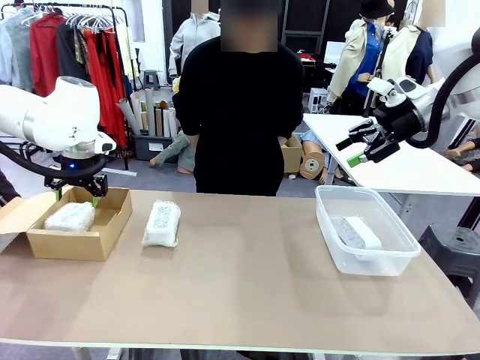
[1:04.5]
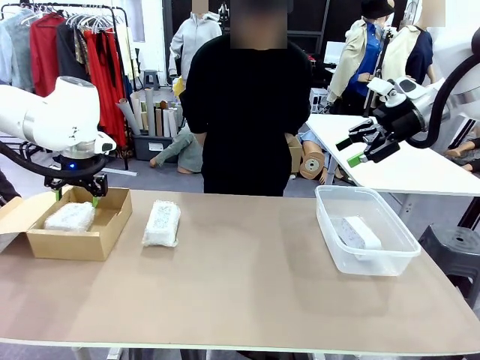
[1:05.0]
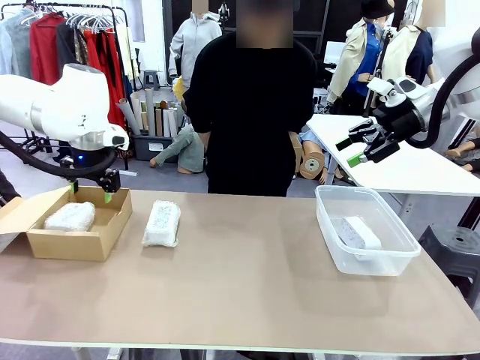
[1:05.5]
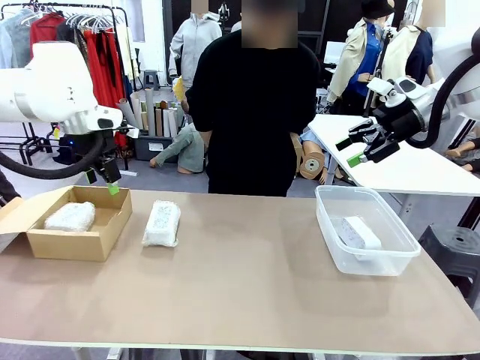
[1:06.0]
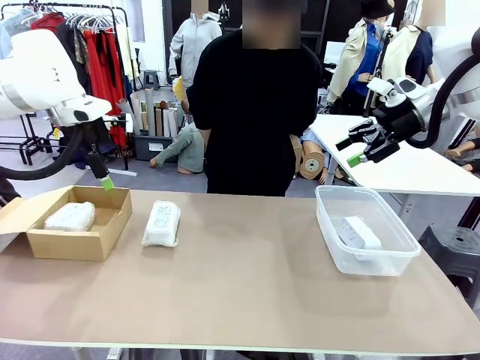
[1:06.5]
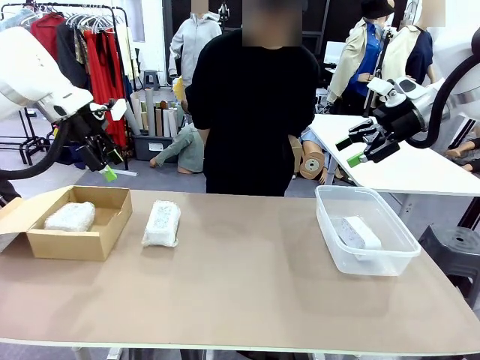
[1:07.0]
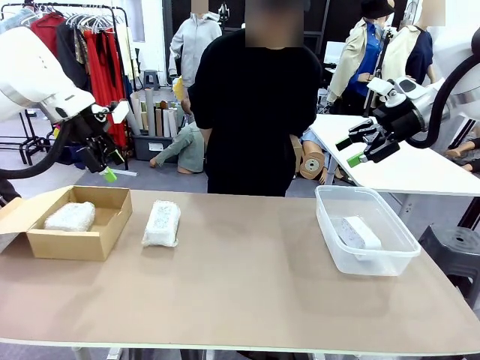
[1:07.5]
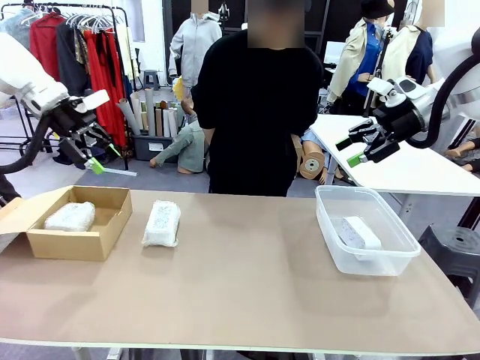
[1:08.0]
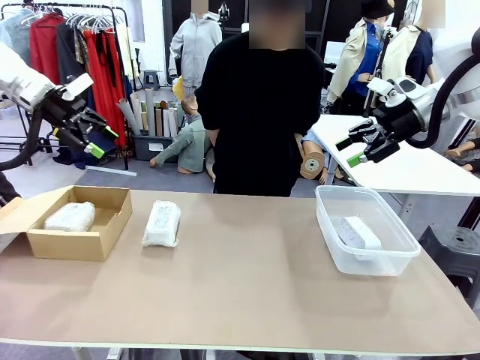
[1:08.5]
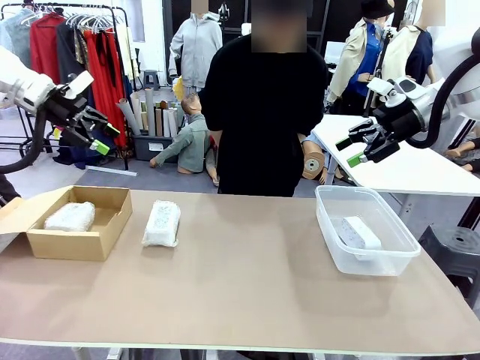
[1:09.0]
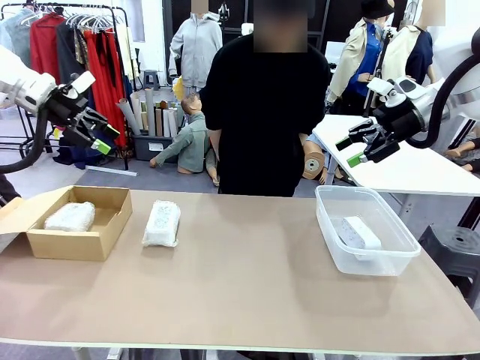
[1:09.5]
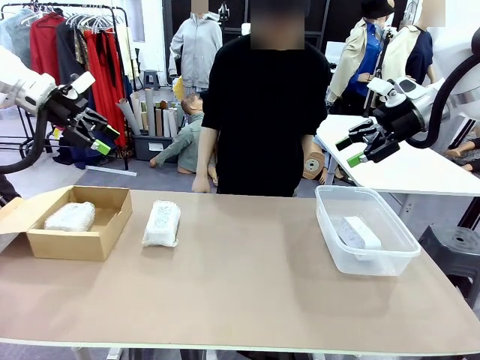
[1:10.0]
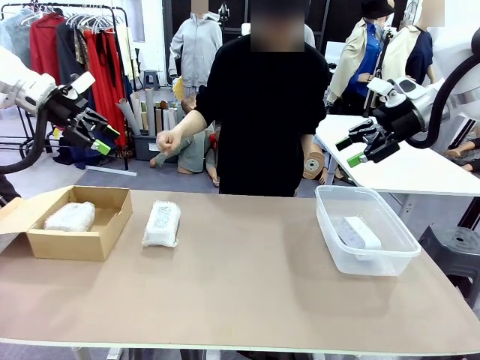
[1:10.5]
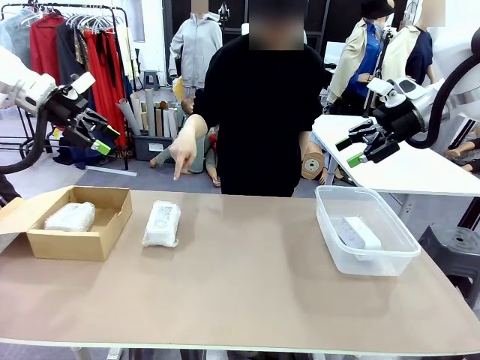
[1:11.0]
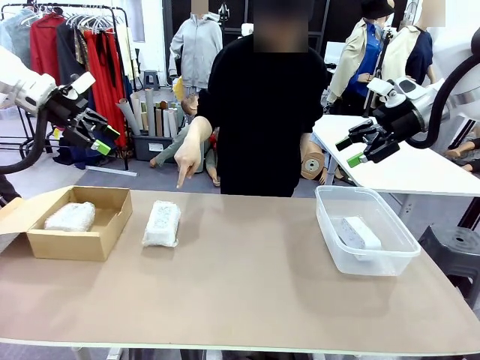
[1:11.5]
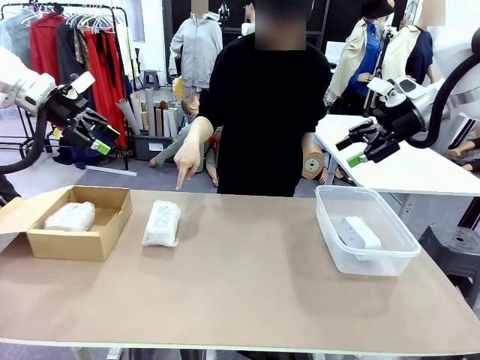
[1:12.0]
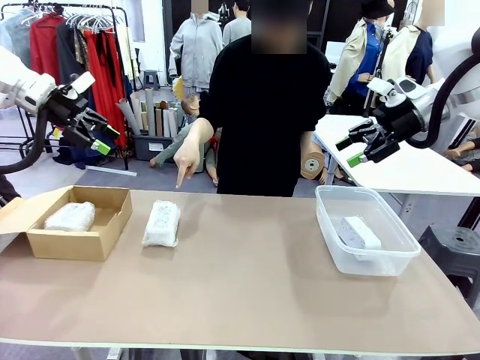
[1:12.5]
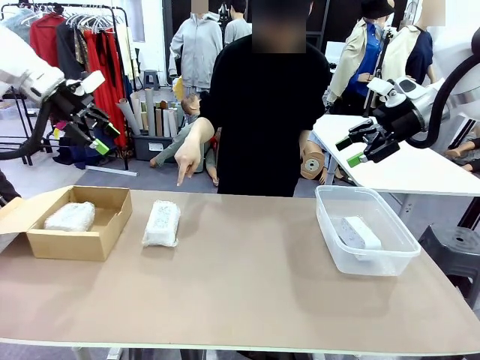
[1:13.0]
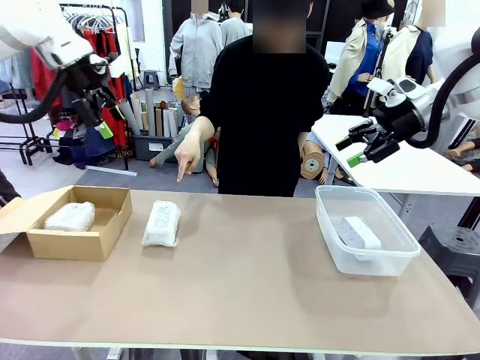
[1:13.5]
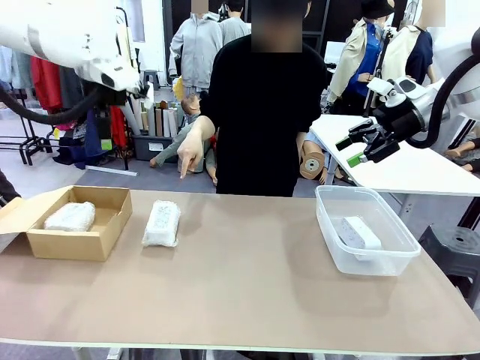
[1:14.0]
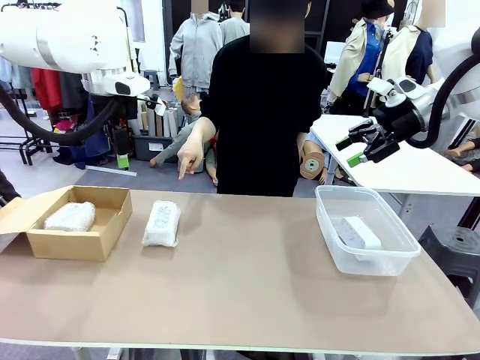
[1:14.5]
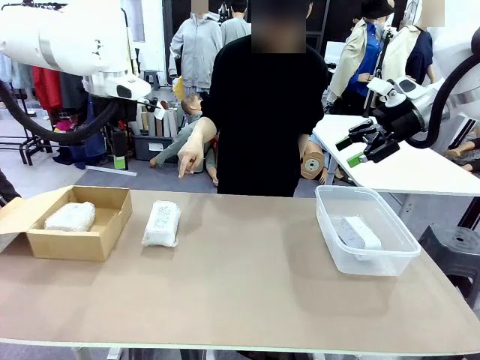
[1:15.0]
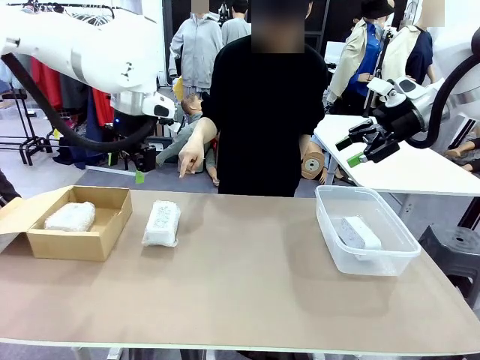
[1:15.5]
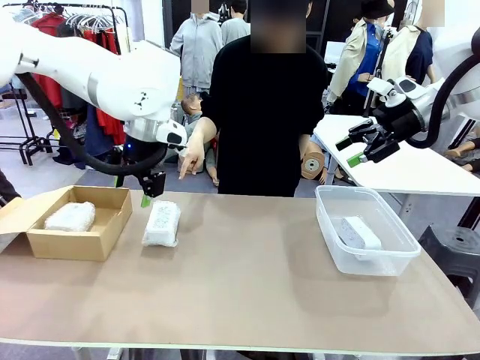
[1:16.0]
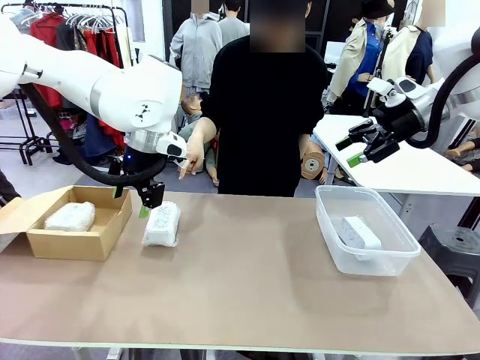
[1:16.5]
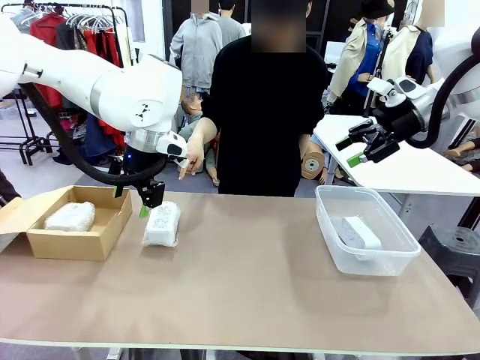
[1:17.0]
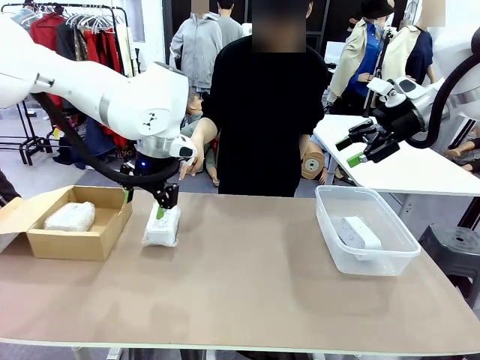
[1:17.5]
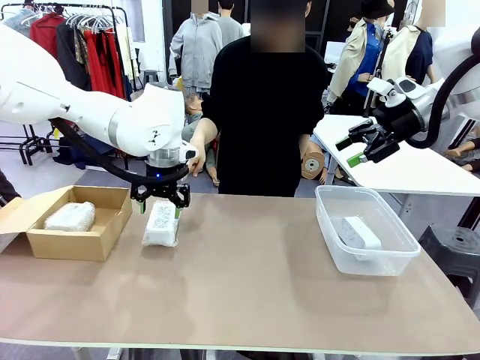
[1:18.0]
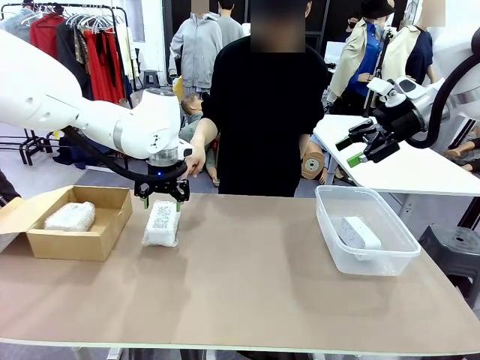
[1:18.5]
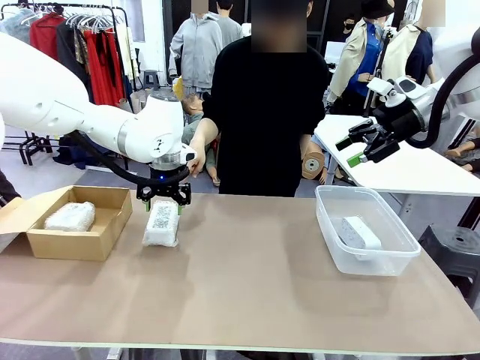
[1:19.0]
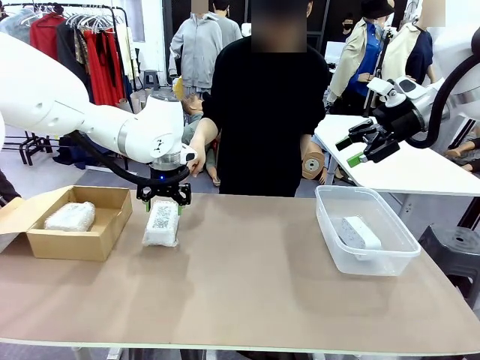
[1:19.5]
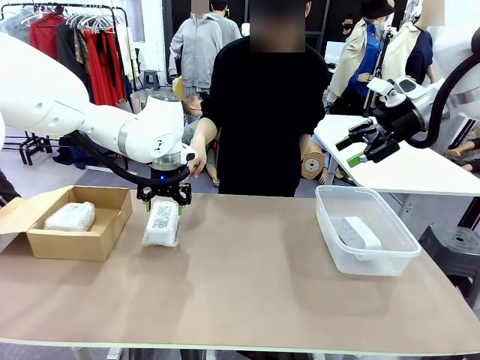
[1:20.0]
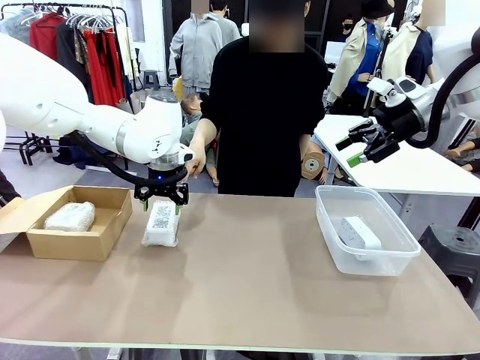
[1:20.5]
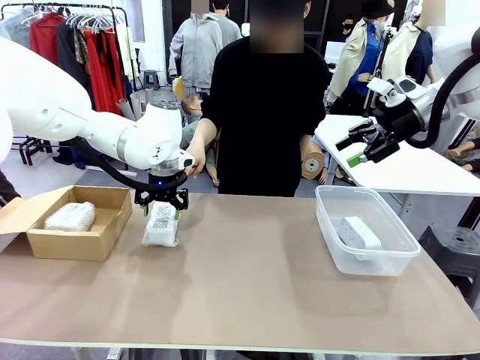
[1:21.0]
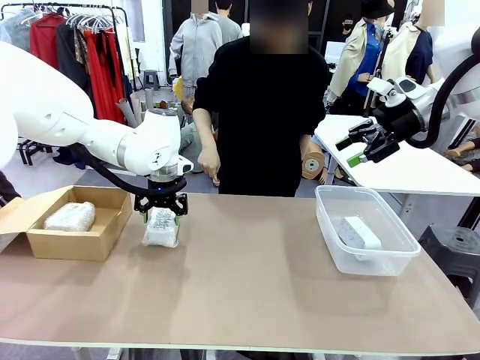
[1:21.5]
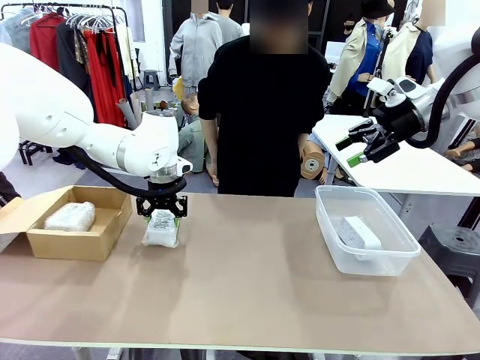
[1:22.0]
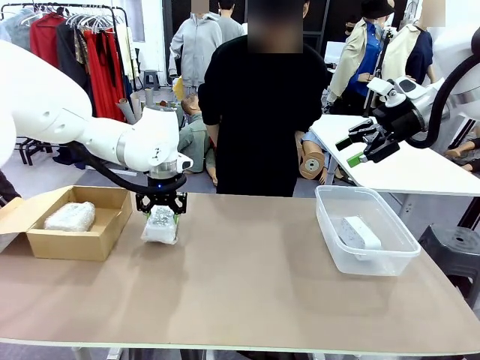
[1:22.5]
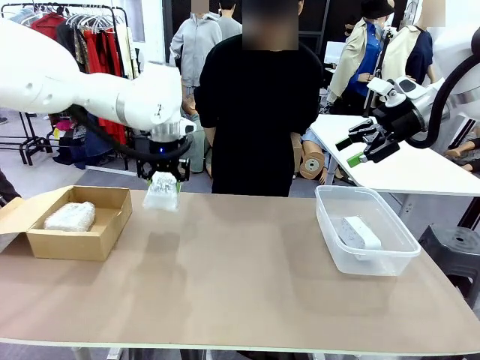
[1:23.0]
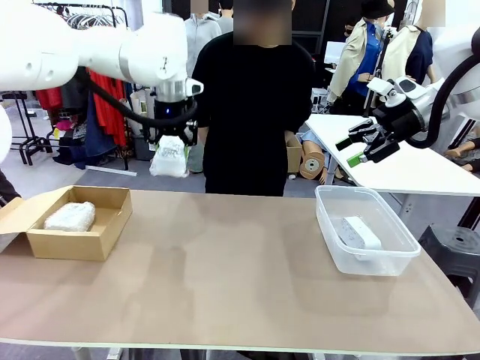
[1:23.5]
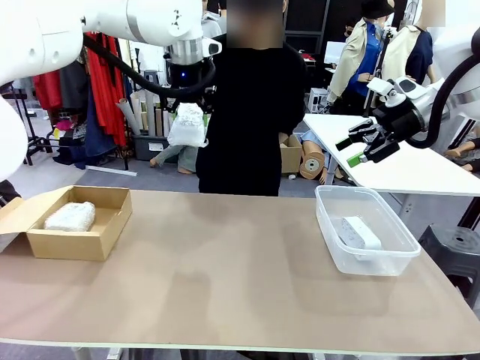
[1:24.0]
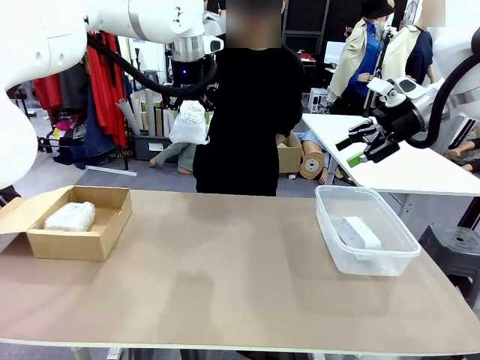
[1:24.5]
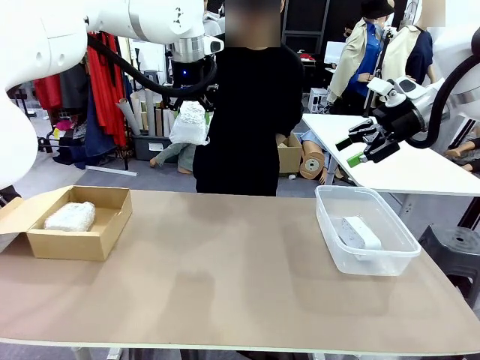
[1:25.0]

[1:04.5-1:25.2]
Task: Separate and place wrapped and unwrapped clocks.
Robot: Pick up the Digital clock indicated by the person.

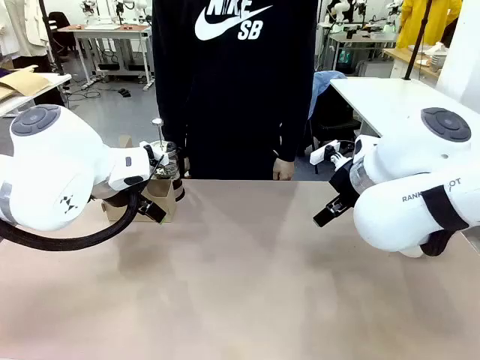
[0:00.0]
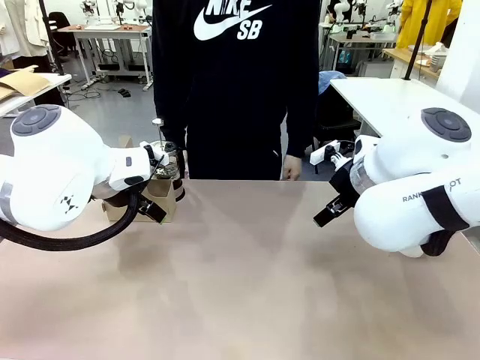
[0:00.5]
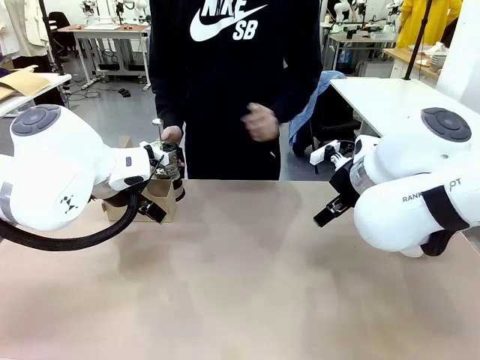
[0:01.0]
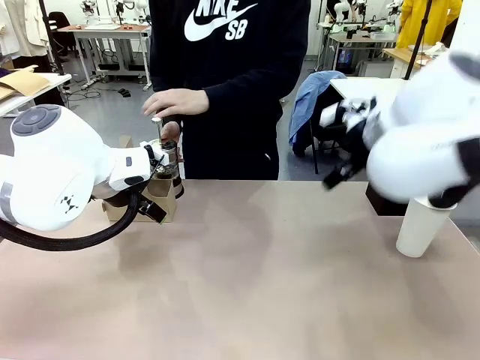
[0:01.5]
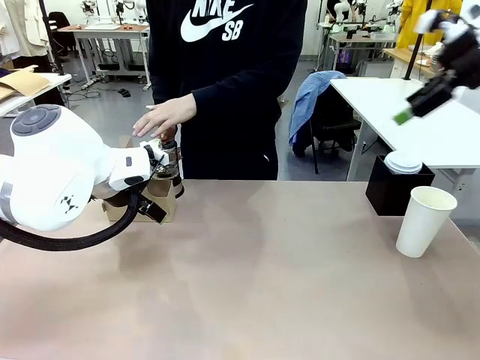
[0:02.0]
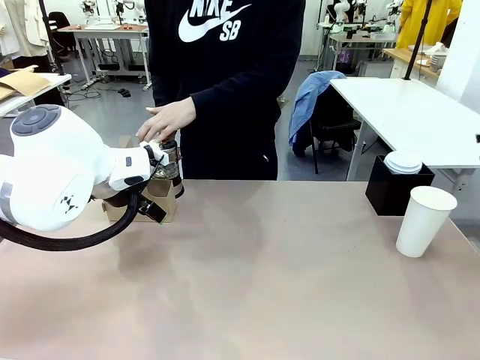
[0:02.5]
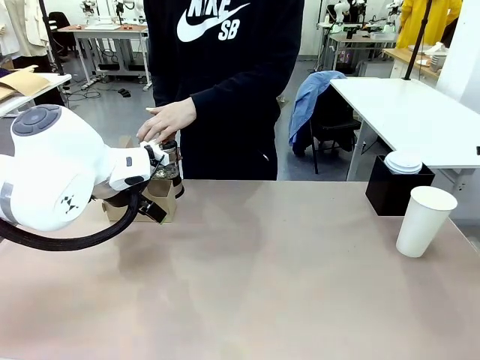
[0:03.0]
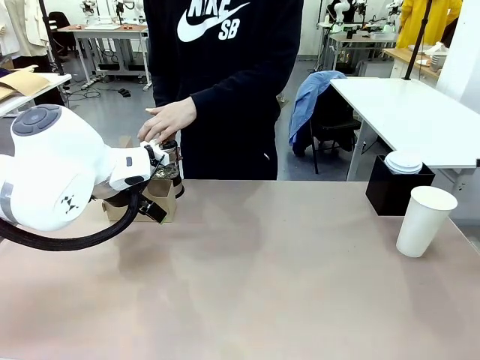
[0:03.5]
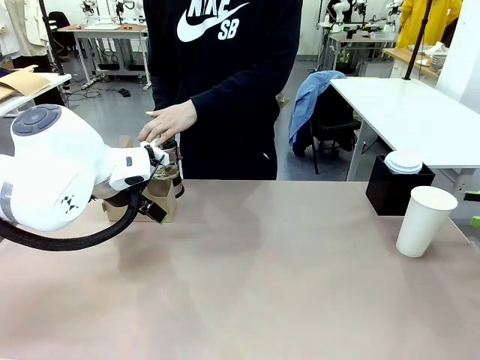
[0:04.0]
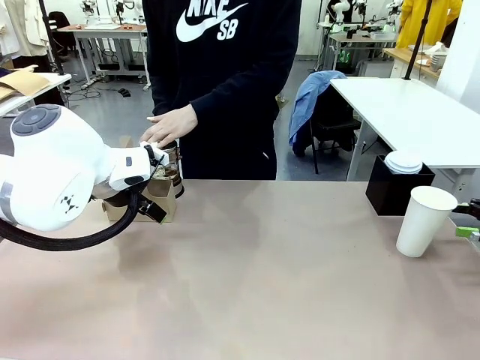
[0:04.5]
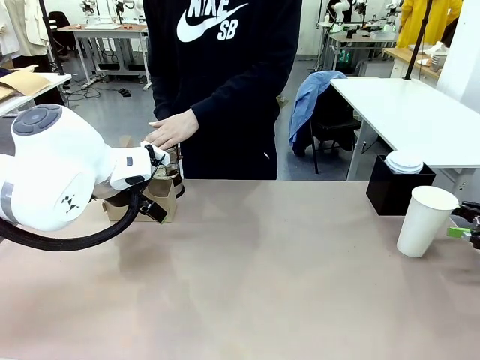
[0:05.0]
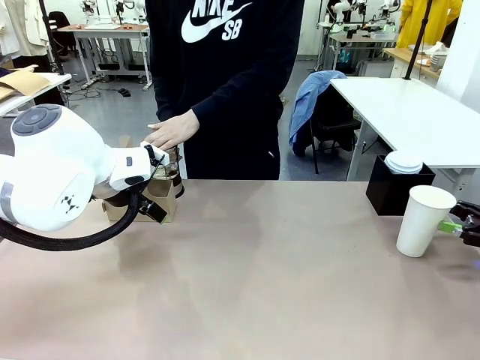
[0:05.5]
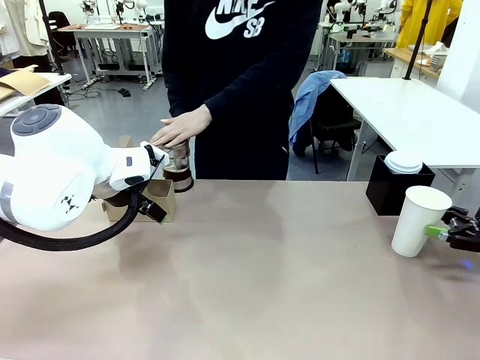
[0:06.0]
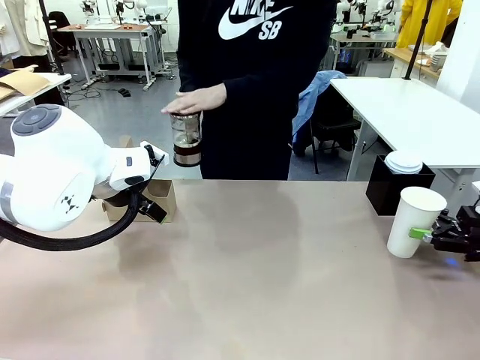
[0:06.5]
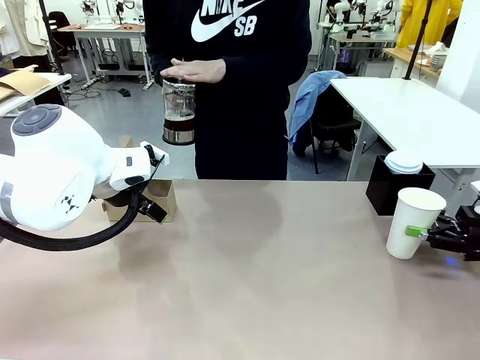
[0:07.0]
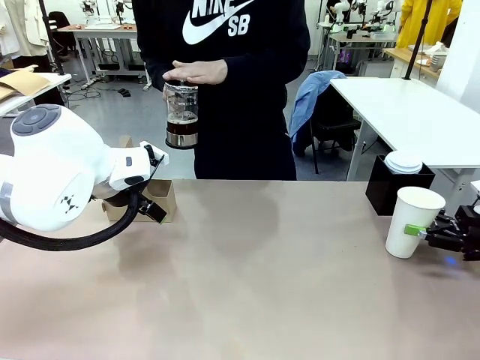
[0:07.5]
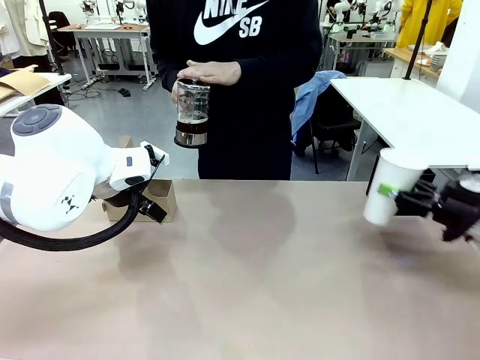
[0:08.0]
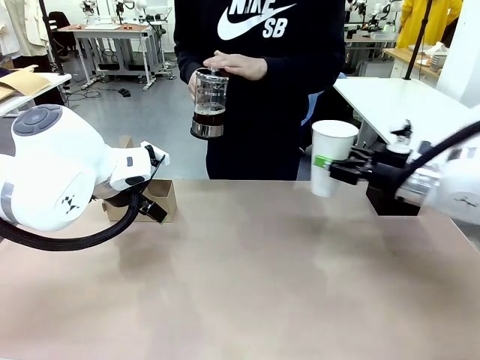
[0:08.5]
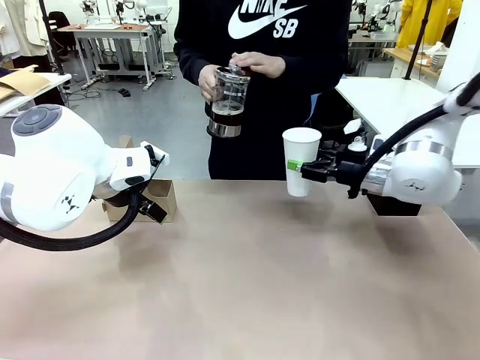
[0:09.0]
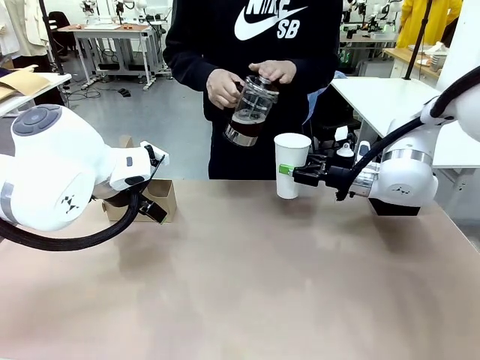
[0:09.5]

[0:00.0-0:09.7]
Task: Pour a drink into a cup and package it in a carrier.
Robot: Pick up the 600 ml Paper Cup and place it in the middle top area of the table.
Person: Press and pick up the Filter Brewing.
